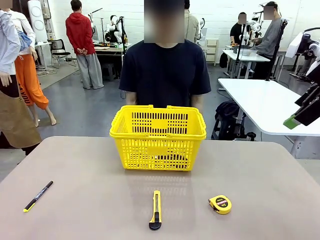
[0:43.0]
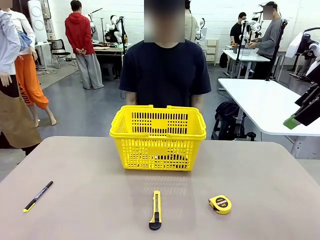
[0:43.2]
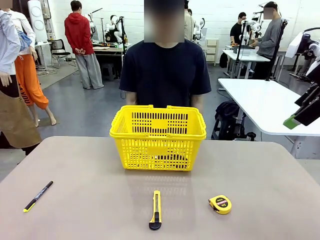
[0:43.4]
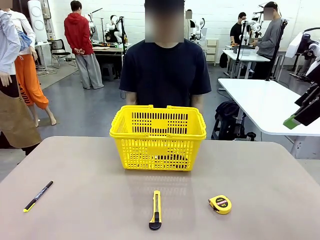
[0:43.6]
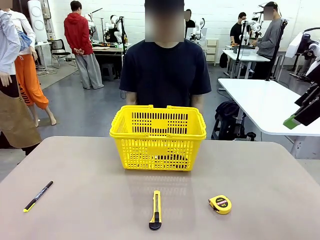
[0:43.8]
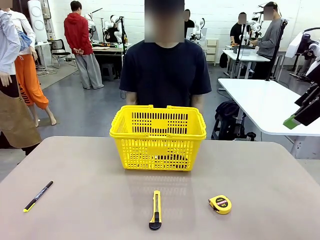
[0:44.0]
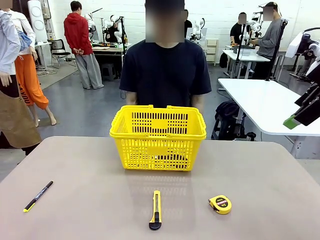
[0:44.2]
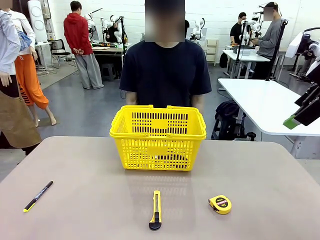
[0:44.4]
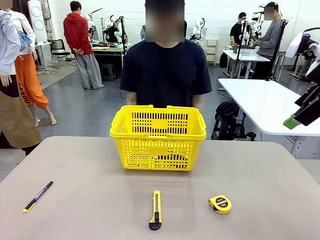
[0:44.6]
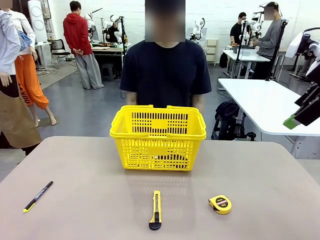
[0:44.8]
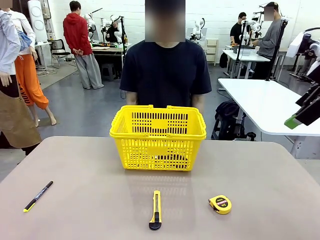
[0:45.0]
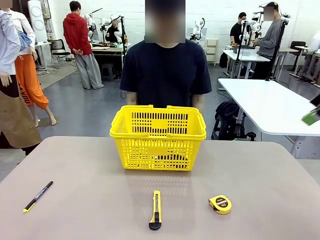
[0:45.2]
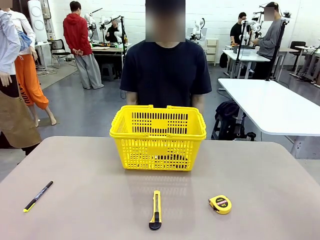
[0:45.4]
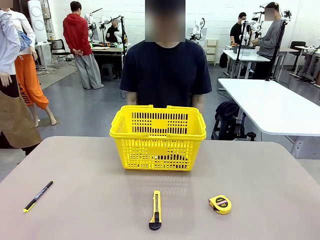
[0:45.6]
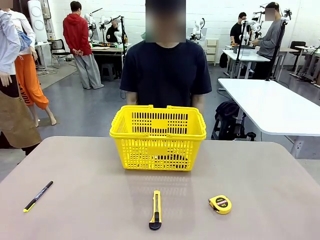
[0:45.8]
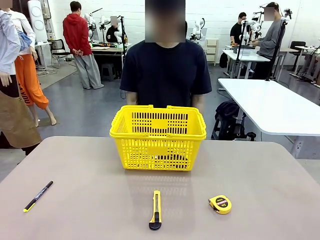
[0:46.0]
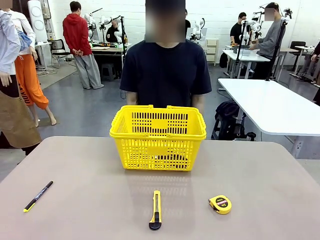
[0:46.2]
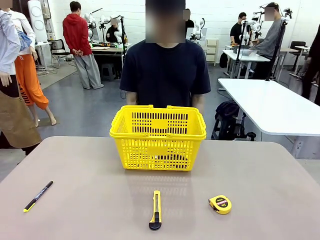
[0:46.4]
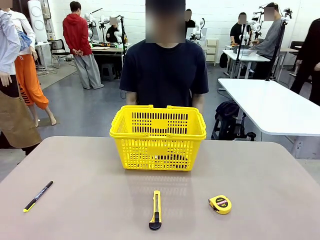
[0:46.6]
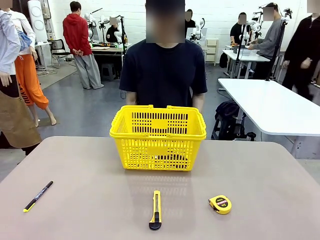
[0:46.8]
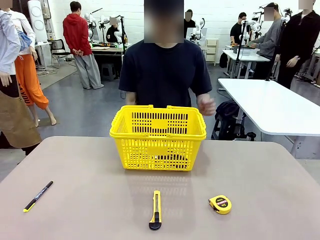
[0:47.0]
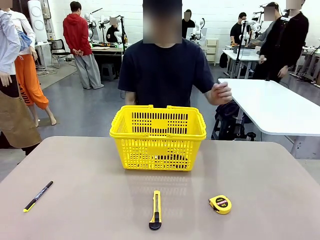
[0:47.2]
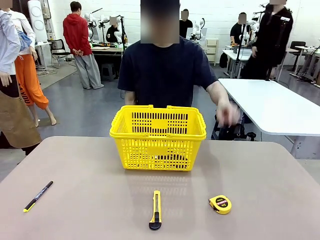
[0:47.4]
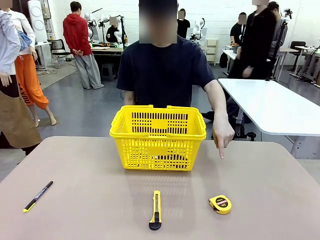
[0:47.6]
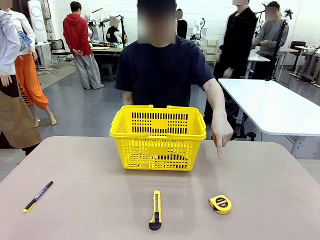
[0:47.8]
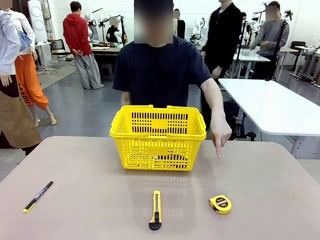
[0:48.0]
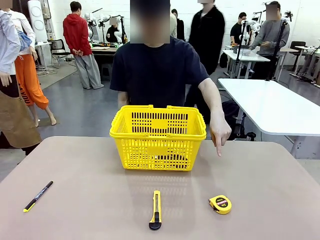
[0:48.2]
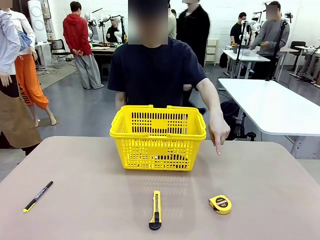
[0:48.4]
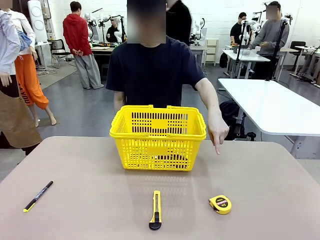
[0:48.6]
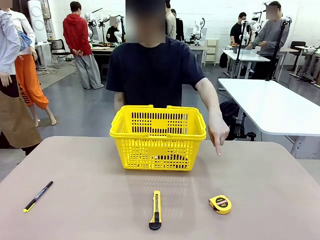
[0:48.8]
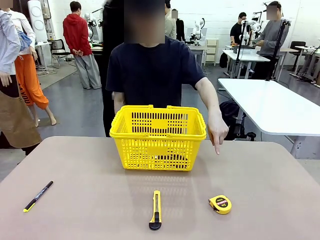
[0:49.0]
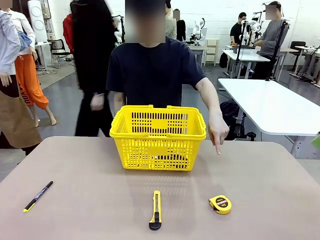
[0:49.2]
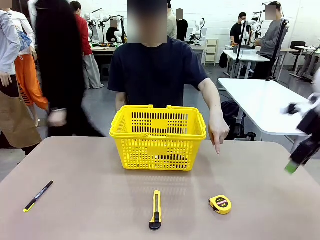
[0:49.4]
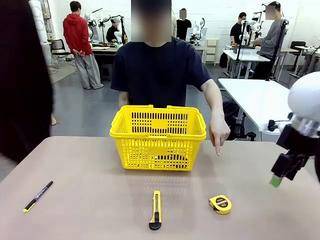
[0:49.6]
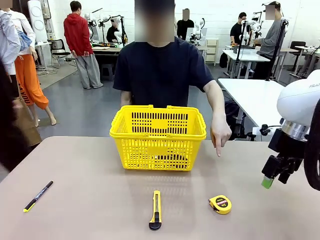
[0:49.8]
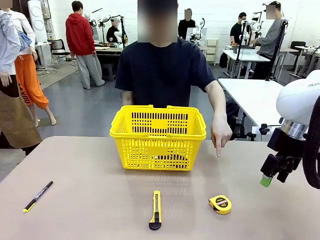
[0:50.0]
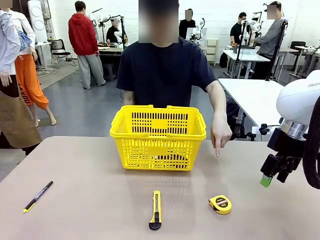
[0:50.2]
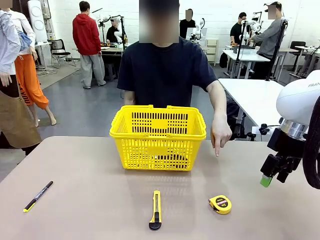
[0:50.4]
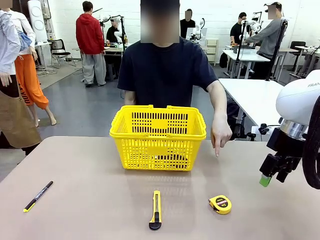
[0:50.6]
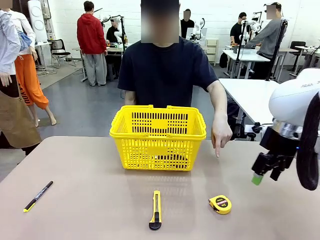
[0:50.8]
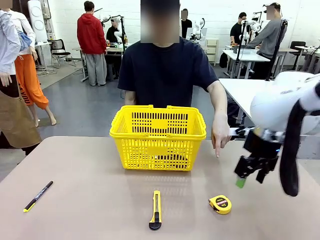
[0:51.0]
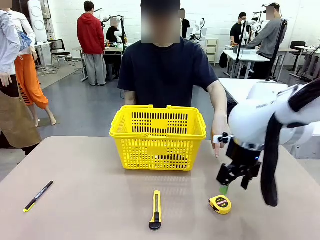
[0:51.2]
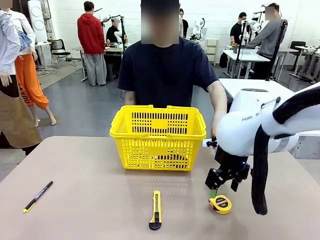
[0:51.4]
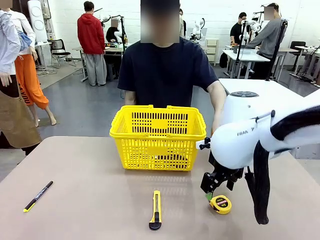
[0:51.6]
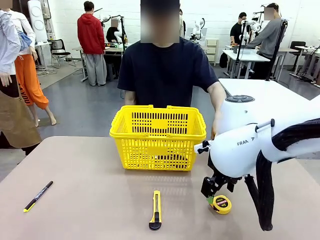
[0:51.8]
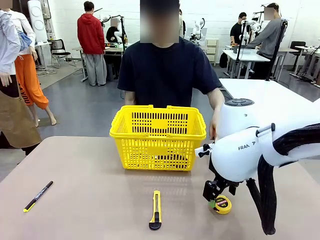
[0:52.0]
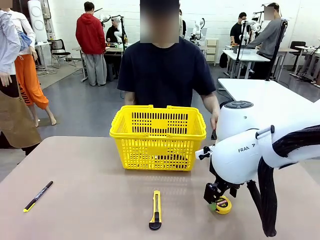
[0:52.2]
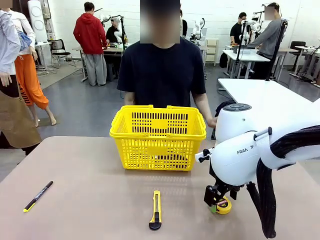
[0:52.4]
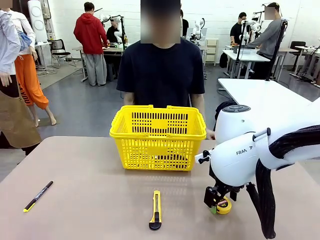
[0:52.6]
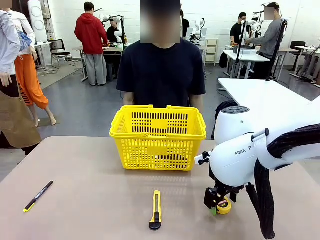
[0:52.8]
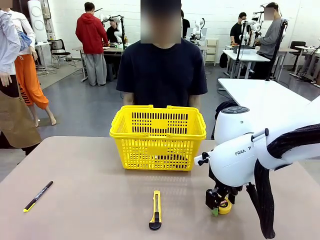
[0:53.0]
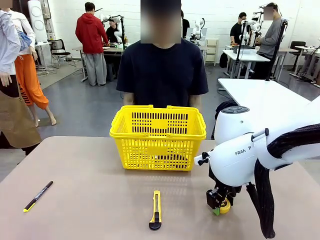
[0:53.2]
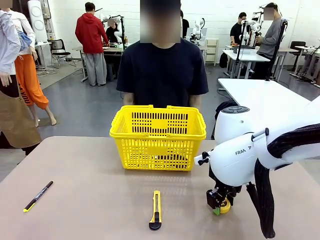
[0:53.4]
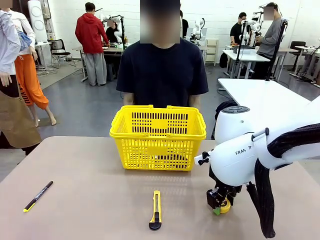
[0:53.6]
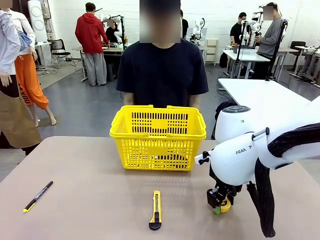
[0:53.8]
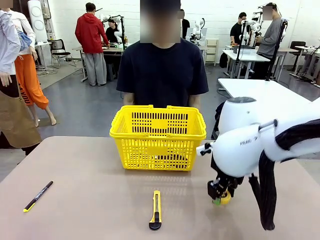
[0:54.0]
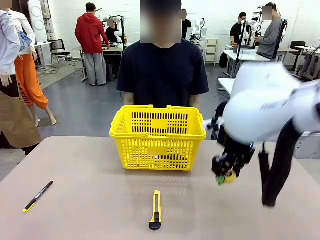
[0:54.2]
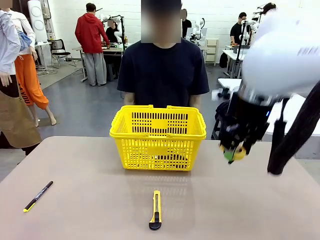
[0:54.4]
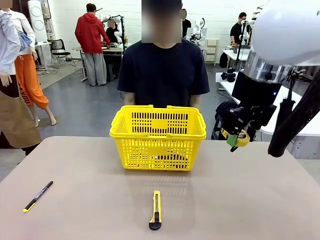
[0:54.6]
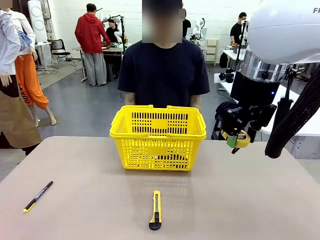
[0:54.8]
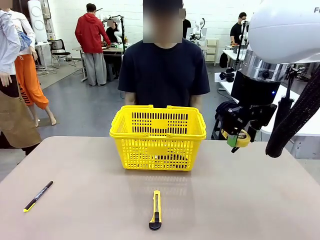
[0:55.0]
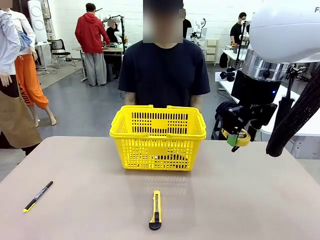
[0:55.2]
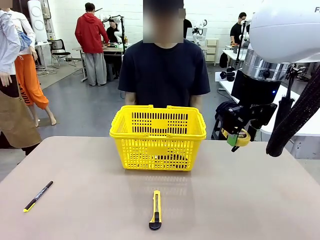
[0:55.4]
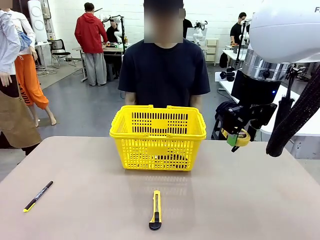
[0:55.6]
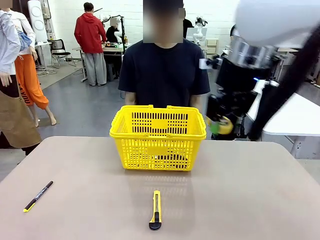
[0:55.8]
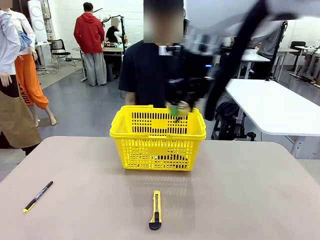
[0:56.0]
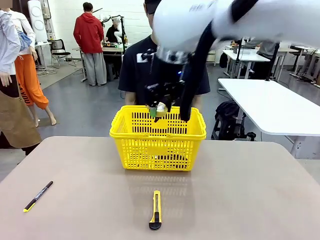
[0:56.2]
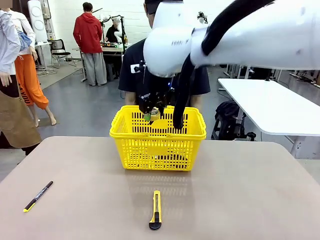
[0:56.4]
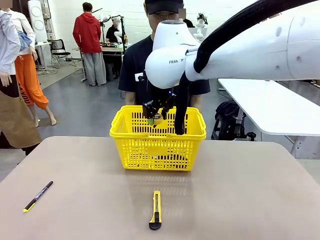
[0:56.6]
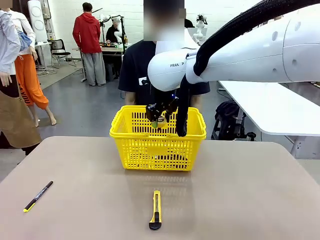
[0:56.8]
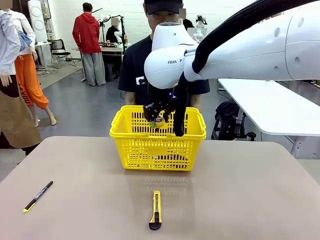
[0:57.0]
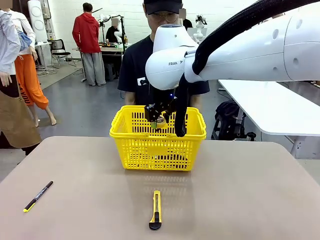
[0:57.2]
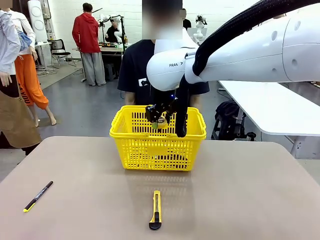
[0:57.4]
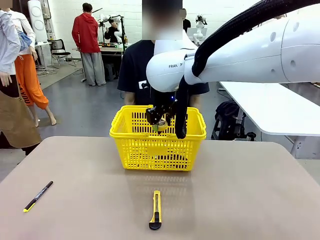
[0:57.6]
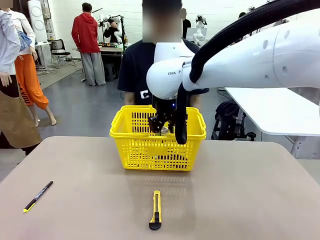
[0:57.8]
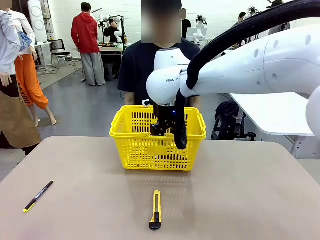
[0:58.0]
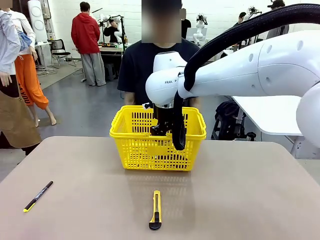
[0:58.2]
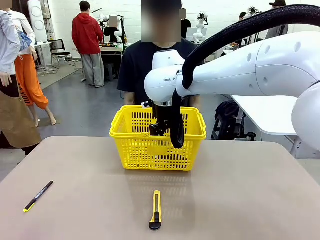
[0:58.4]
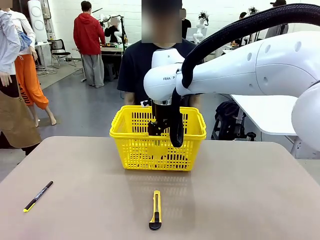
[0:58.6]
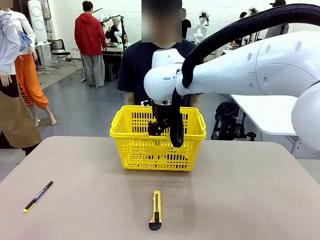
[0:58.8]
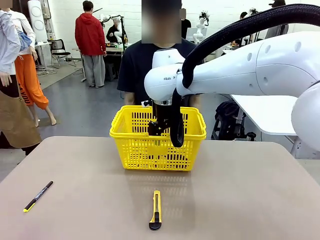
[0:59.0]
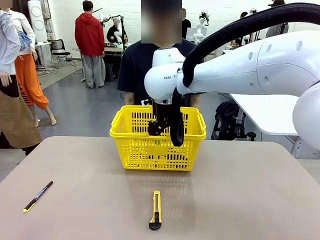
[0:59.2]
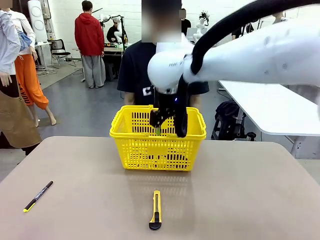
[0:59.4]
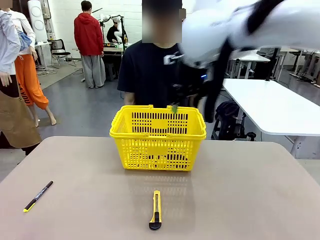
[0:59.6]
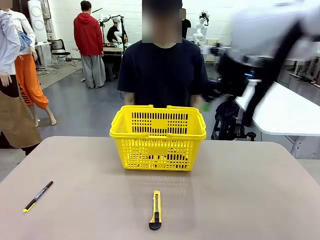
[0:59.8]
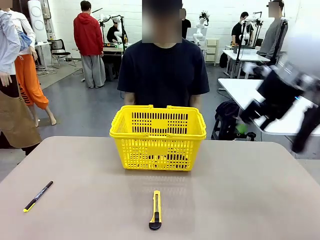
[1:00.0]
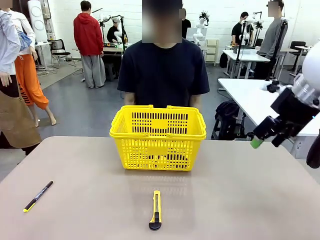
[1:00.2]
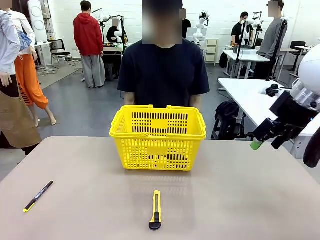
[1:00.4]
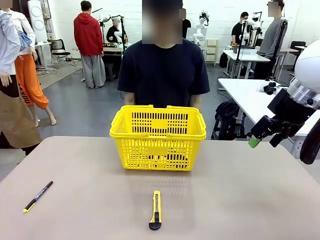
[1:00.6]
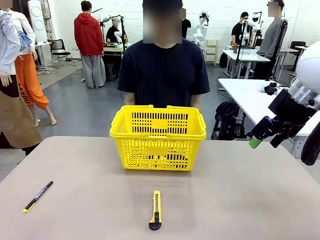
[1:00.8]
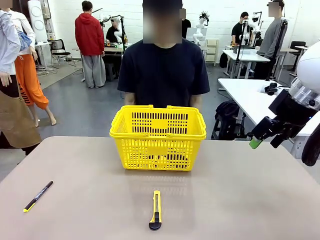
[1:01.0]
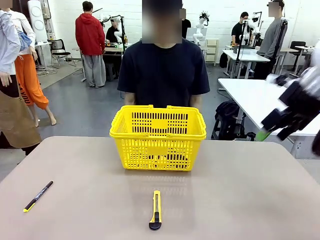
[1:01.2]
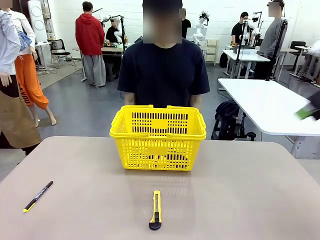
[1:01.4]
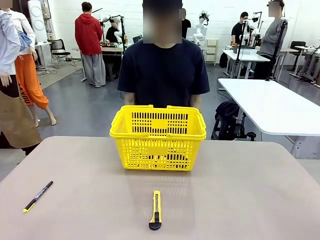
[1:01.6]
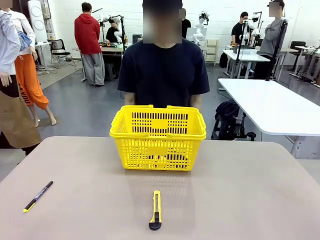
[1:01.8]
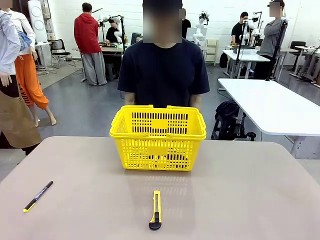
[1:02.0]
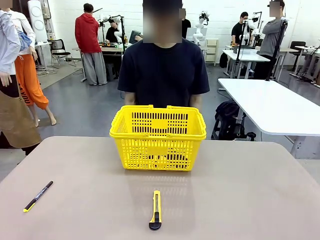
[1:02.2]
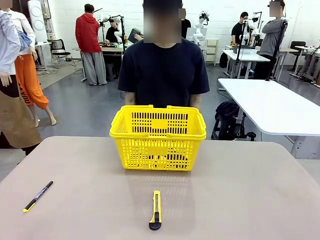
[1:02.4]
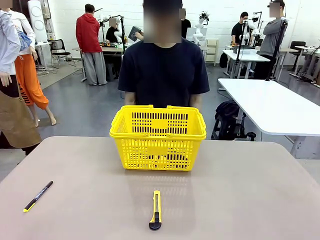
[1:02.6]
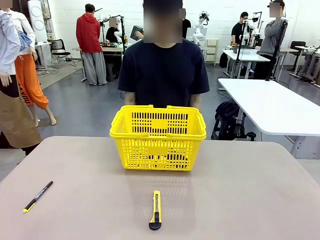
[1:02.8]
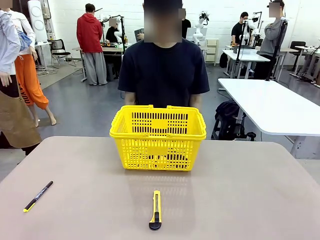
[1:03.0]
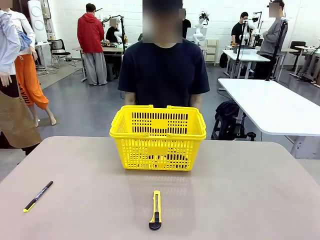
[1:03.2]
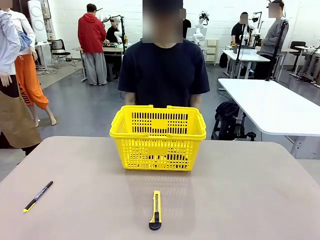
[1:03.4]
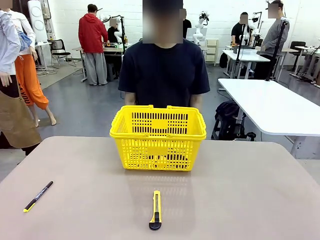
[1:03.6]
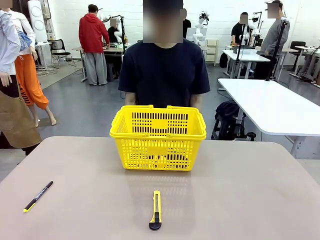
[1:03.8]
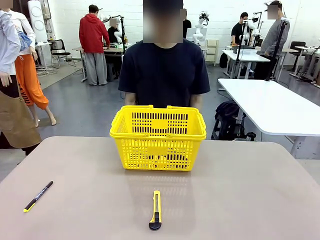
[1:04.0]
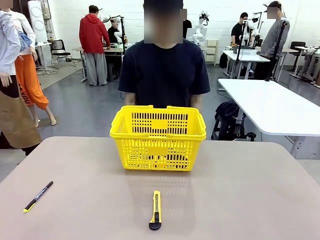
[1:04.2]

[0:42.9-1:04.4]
Task: Place the items the person wants into the basket.
Robot: Pick up the item the person points to and place it in the Market Basket.
